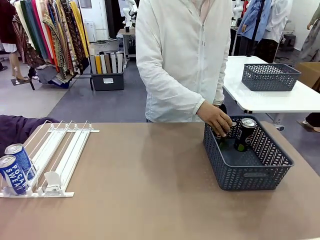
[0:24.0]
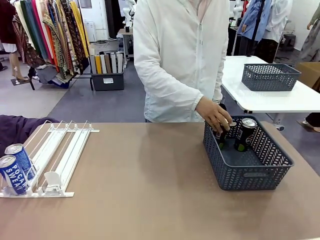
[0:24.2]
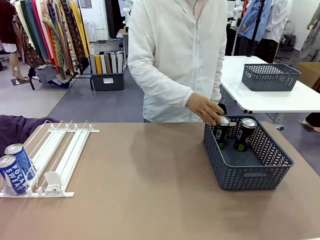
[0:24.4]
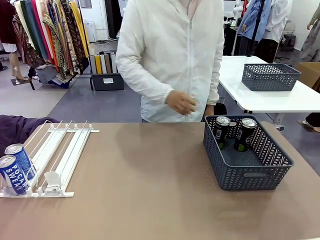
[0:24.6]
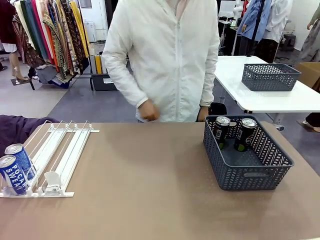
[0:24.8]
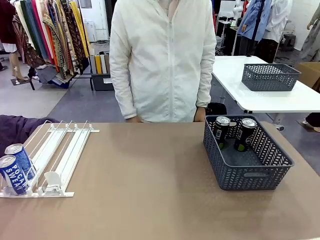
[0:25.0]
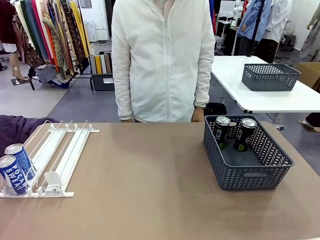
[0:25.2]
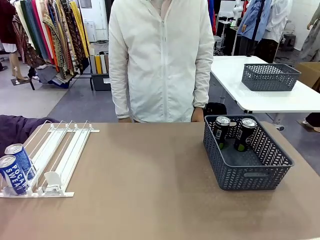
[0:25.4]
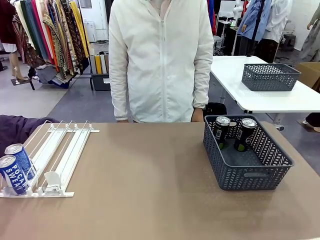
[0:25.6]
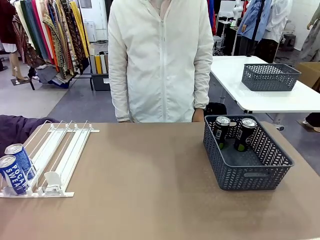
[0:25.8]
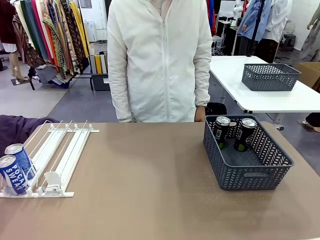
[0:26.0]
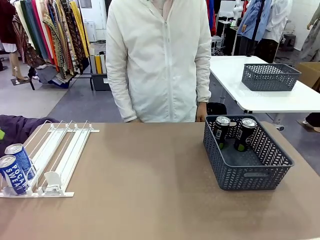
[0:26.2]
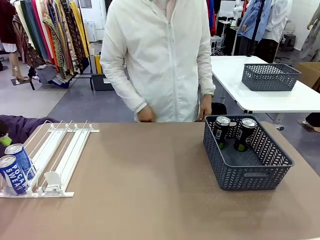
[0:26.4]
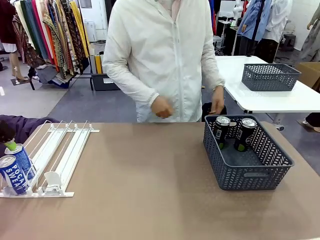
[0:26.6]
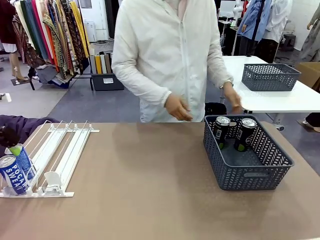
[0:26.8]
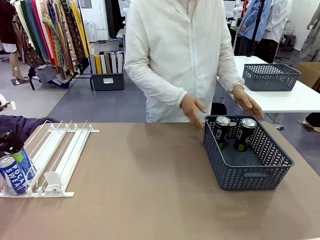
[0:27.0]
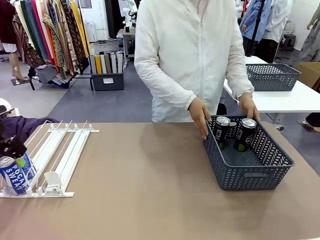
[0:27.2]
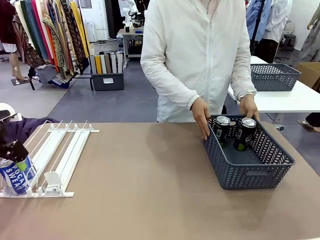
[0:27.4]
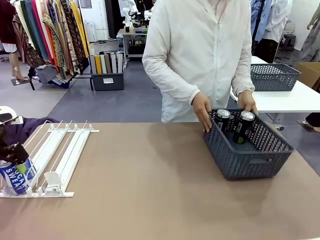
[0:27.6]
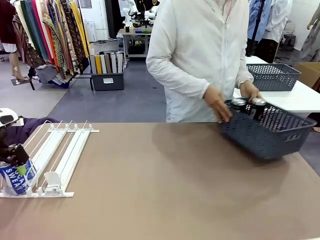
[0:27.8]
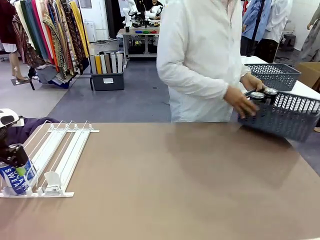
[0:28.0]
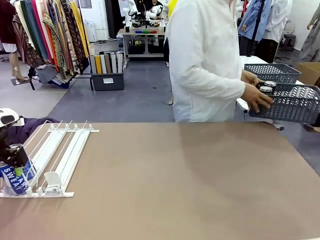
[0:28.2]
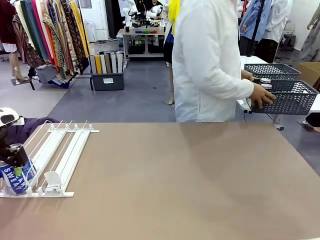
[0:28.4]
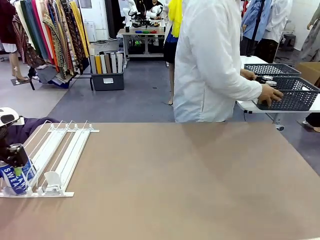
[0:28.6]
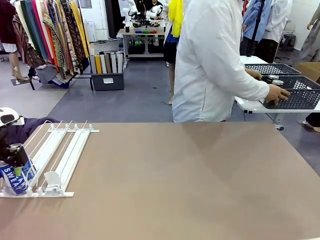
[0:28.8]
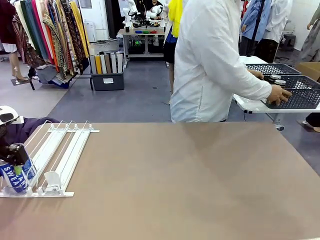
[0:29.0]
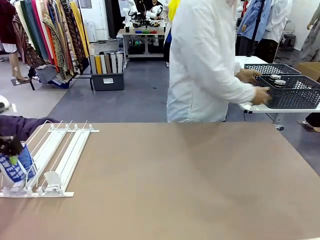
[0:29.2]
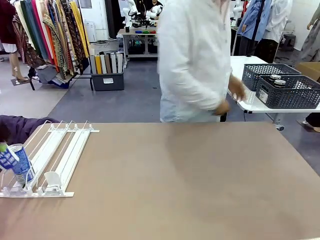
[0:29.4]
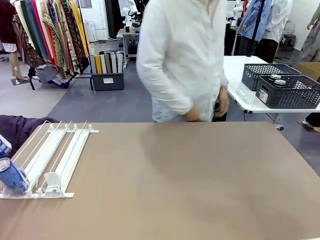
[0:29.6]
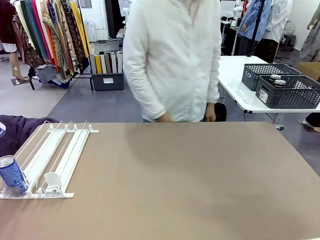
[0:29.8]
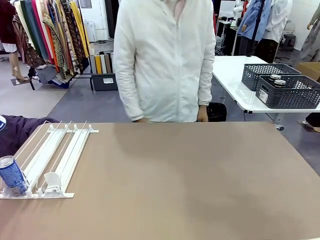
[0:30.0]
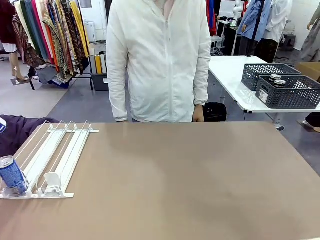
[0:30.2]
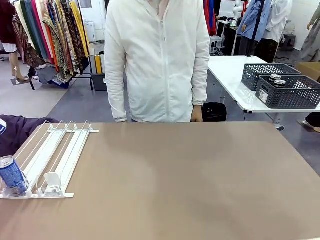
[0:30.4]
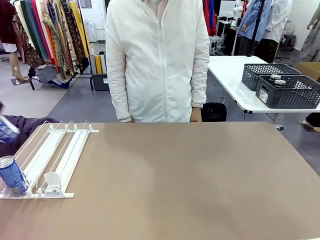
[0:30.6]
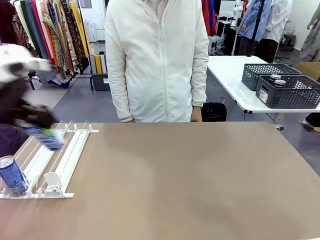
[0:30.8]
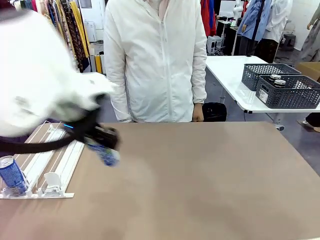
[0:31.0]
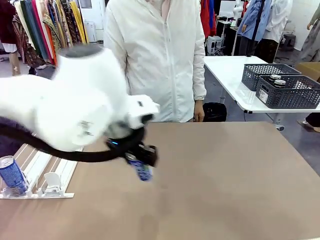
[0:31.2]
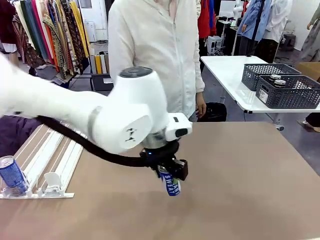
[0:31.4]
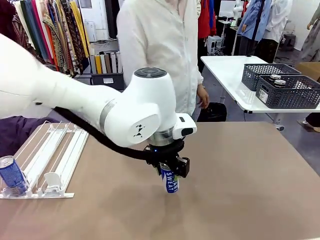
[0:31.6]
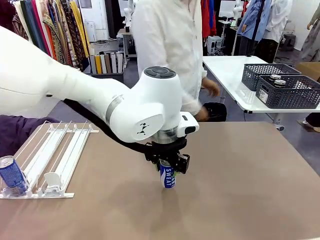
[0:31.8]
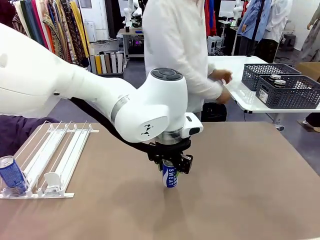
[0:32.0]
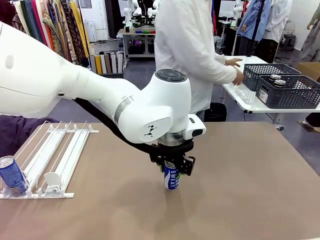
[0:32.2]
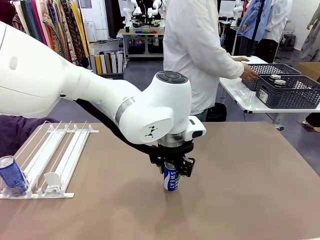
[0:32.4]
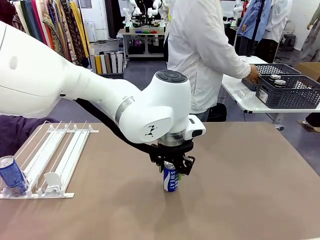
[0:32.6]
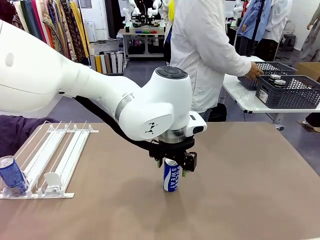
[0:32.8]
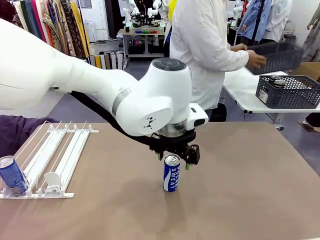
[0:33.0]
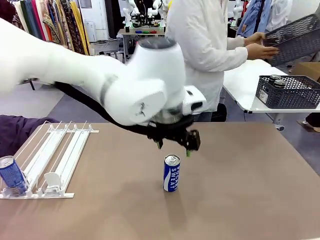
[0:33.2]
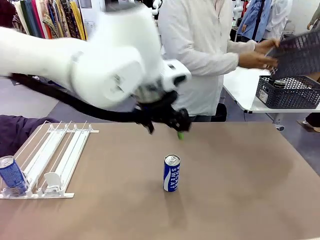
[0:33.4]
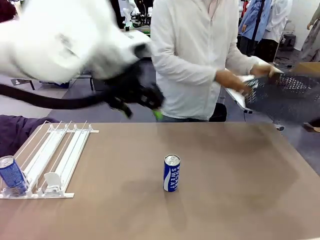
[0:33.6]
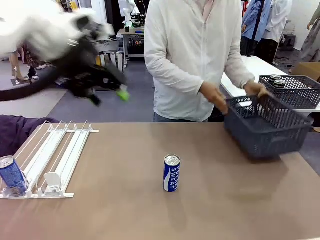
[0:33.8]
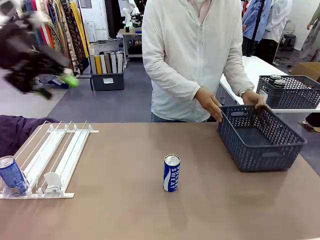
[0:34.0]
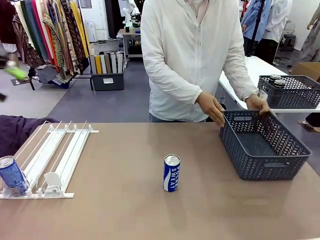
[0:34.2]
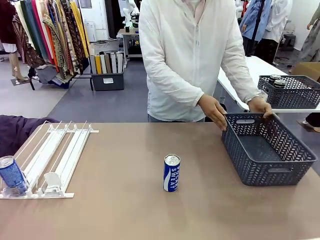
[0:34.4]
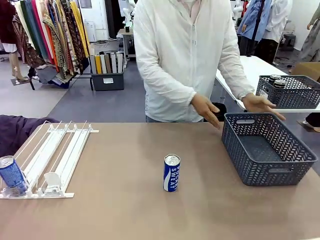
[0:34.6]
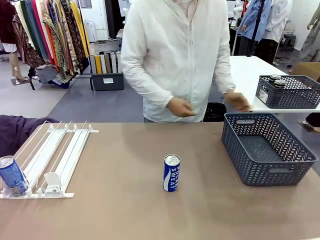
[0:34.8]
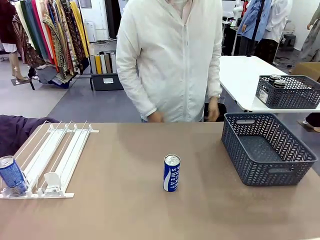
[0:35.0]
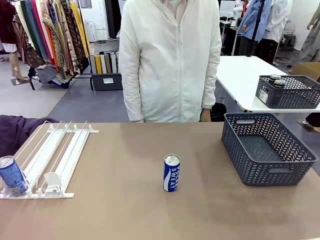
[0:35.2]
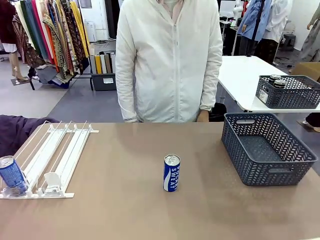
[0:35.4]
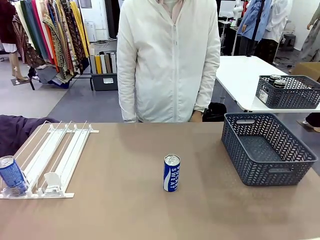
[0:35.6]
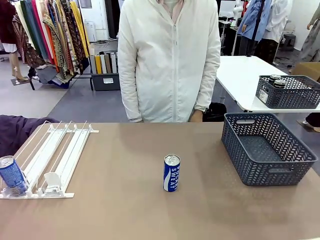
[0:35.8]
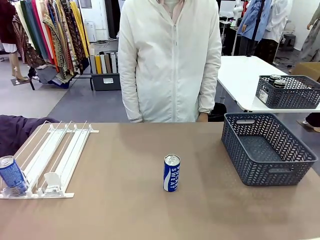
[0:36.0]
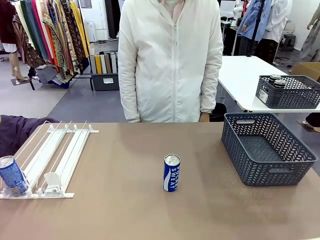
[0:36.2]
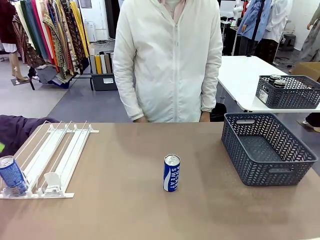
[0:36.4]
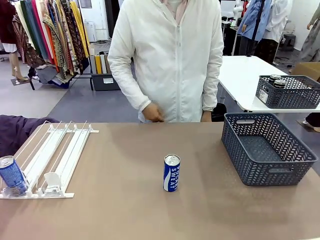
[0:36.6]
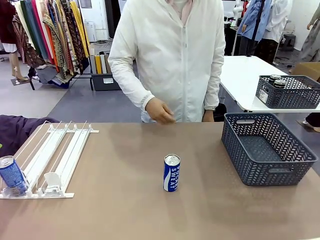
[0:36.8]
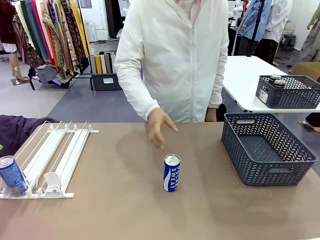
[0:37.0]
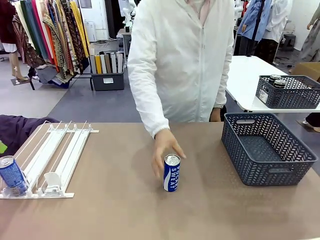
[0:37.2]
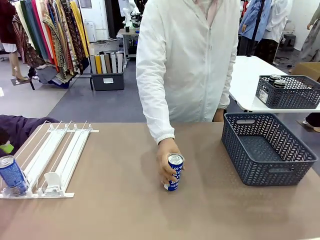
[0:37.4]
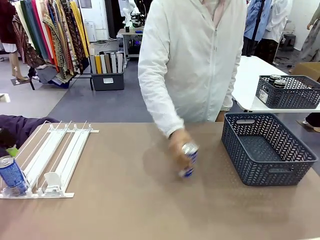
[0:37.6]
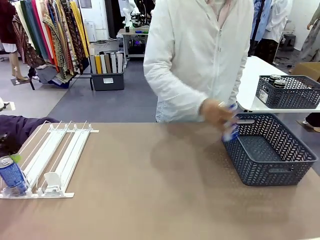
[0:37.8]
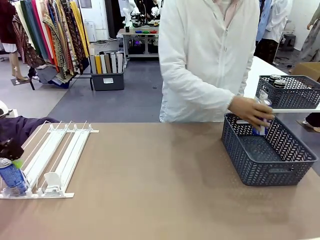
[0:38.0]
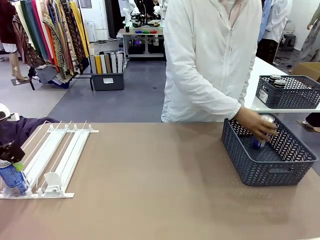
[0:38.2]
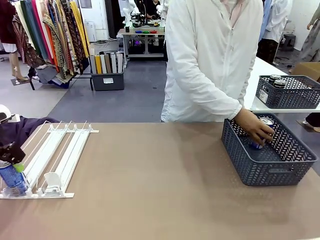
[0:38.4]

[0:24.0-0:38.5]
Task: Retrieve and store the cans from the dispenser.
Robot: Pick up one can from the Automatic Can Dispenser and place it in the middle of the table.
Person: Pick up the basket and place it in the middle of the human table. Pick up the empty basket and place it on the left side of the robot table.
